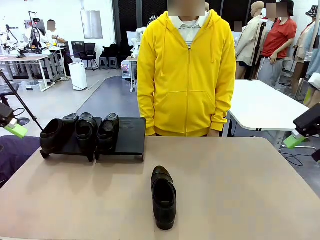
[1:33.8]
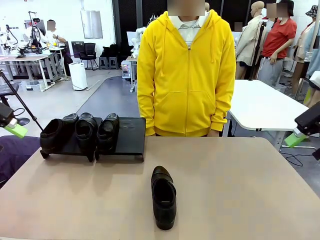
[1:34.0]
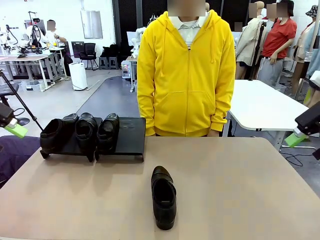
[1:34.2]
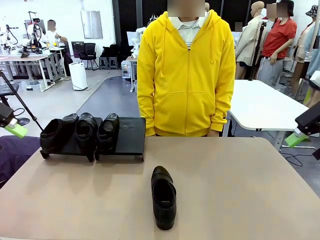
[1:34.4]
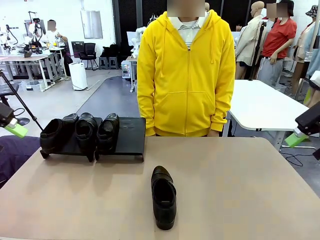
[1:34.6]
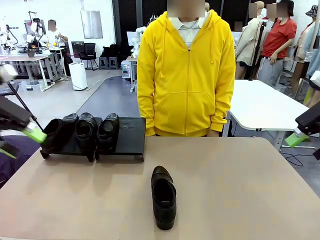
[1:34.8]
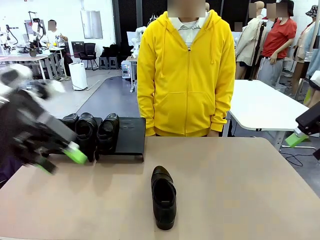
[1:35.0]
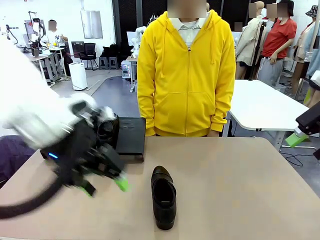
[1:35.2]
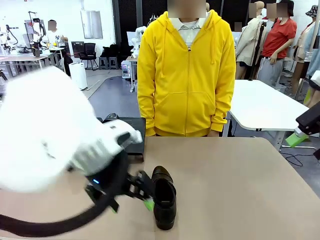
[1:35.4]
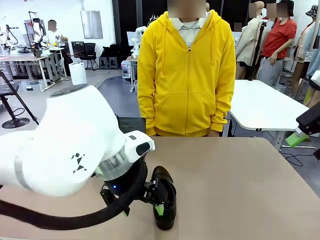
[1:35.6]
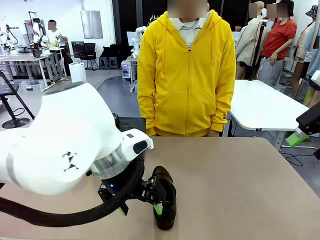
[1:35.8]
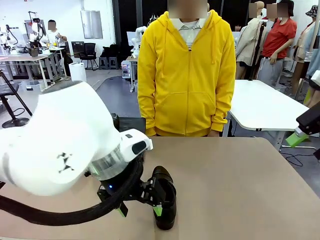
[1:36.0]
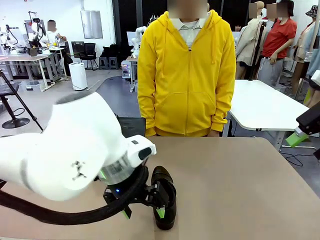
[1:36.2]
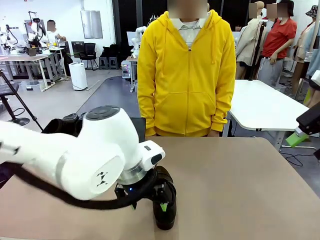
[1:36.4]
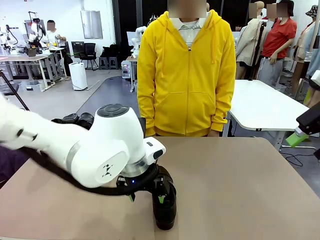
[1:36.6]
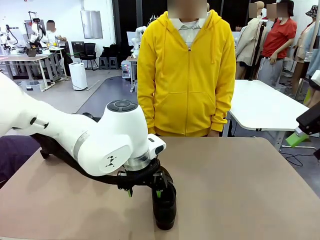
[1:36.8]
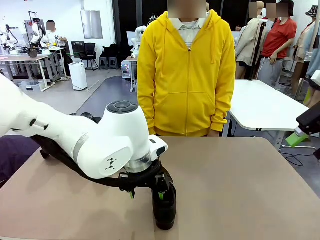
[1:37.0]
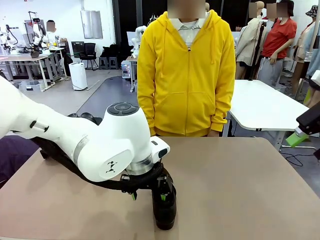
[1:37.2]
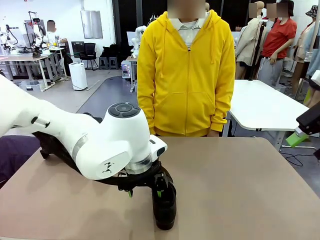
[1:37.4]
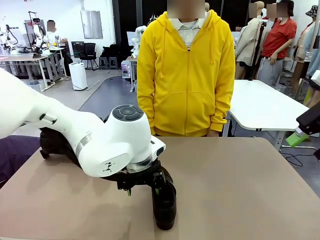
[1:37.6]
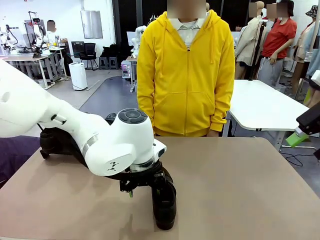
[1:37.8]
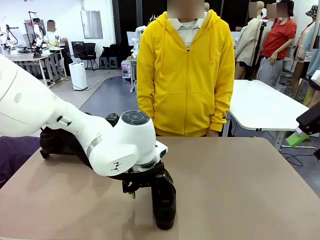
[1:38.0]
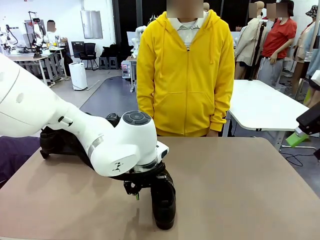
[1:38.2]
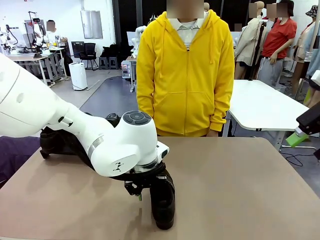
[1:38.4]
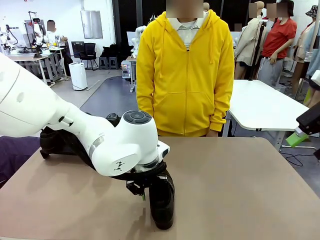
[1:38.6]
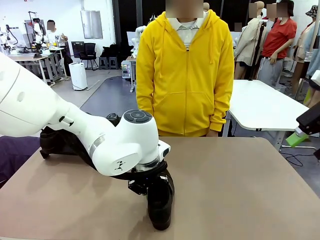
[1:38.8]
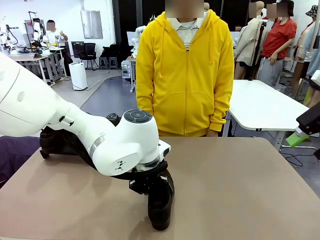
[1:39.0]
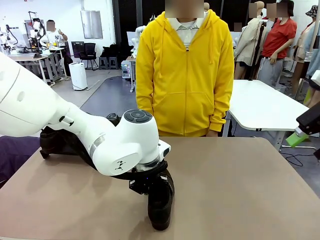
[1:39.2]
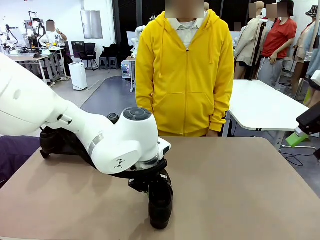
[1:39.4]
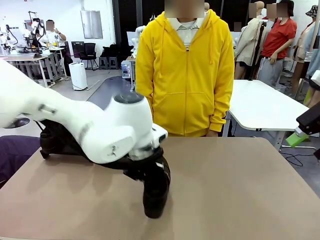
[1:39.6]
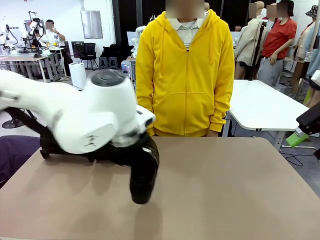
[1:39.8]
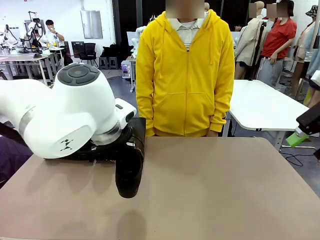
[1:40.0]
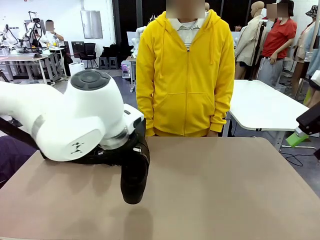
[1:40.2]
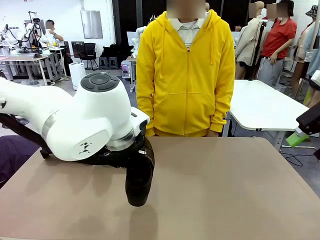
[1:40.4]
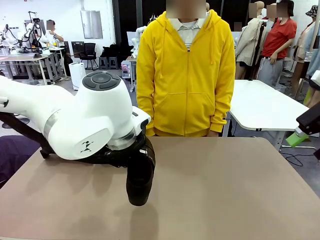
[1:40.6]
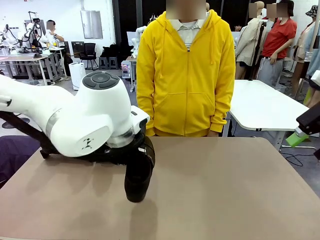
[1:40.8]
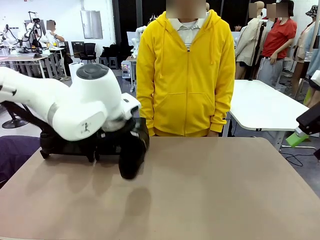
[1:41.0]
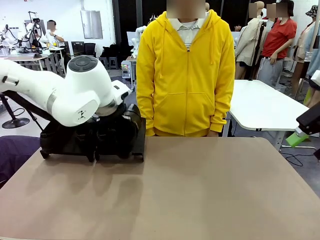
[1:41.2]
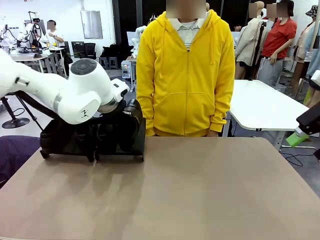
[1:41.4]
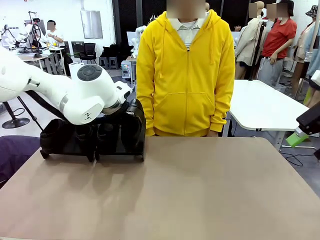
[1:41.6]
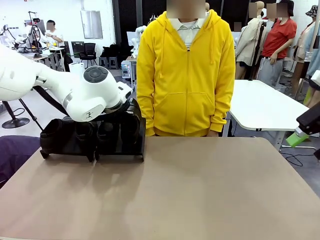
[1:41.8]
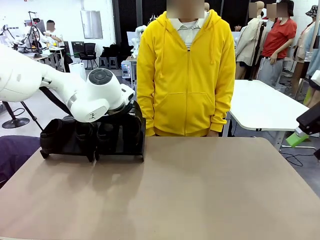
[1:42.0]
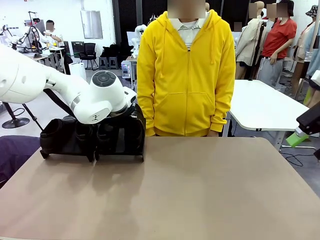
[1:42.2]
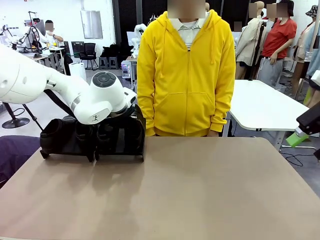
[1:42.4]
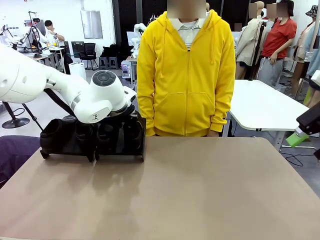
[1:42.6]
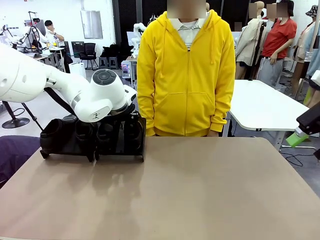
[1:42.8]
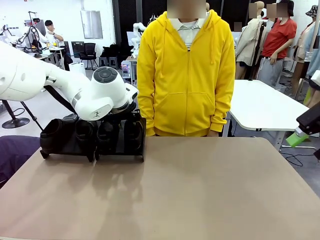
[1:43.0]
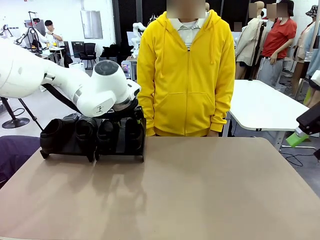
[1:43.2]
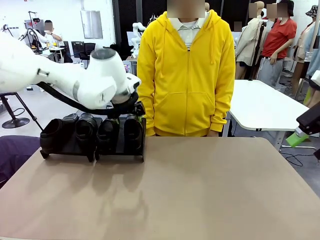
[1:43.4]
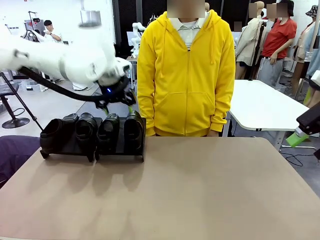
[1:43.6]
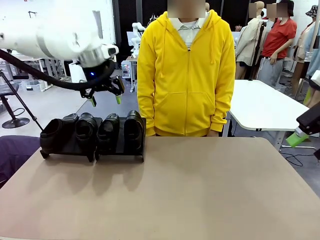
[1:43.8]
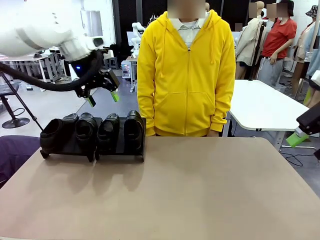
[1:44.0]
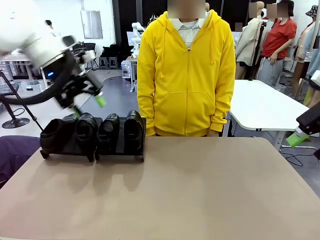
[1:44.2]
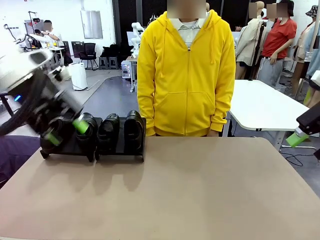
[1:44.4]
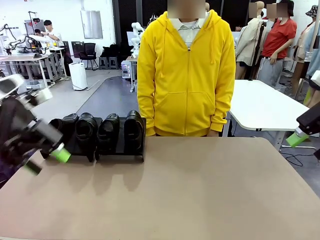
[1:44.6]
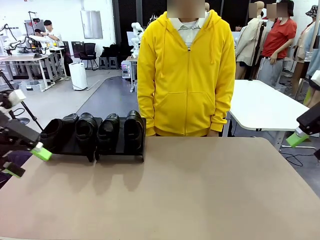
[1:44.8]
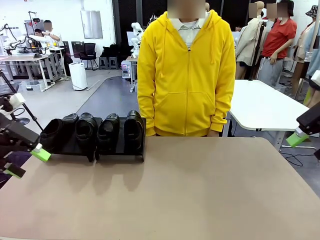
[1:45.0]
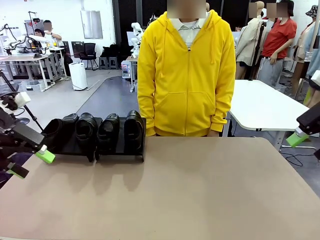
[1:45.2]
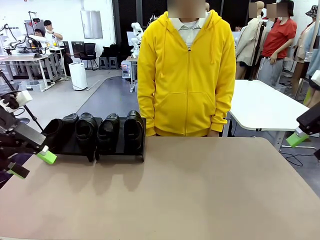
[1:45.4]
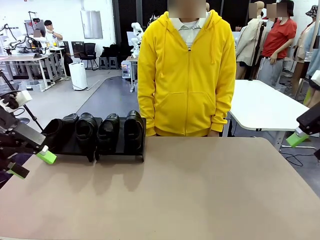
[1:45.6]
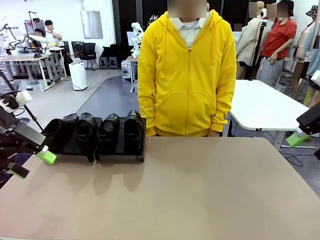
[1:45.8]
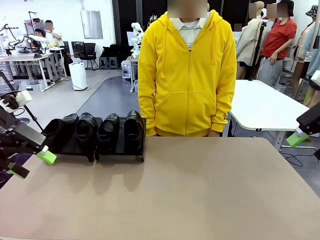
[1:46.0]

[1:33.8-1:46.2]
Task: Organize the shoes by placing them on the stand.
Robot: Place the Shoe from the middle of the table onto the Shoes Stand.

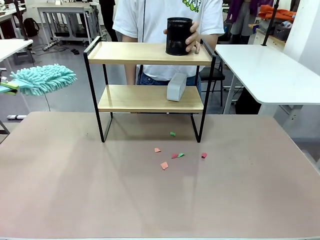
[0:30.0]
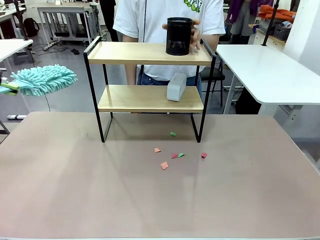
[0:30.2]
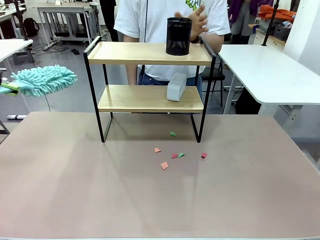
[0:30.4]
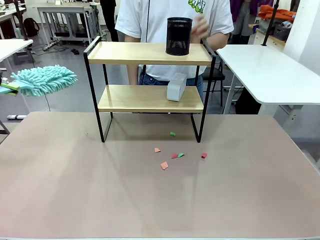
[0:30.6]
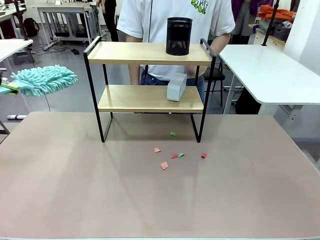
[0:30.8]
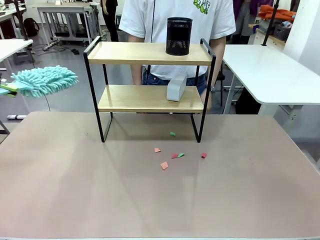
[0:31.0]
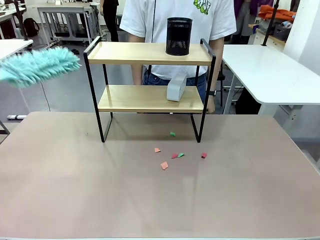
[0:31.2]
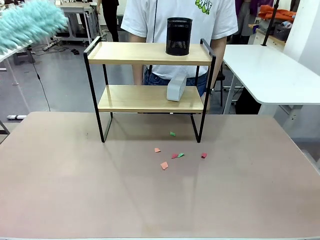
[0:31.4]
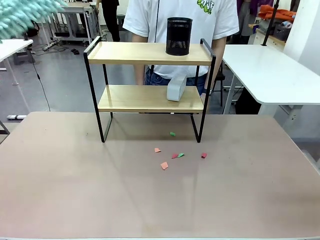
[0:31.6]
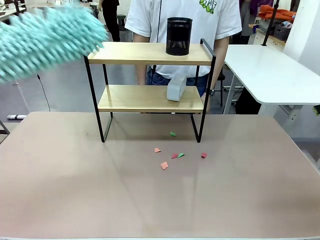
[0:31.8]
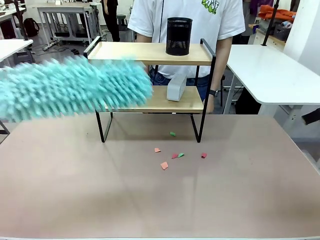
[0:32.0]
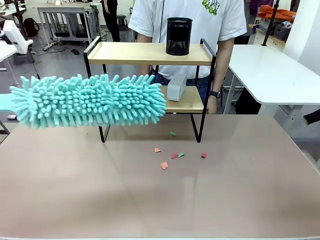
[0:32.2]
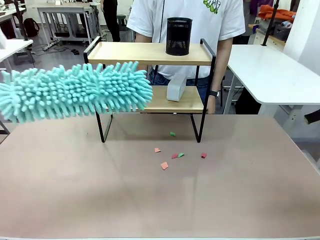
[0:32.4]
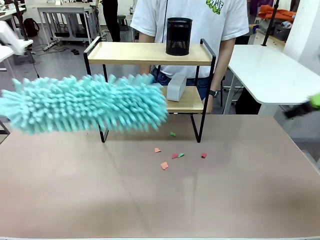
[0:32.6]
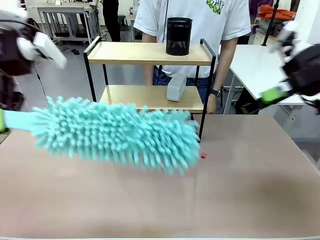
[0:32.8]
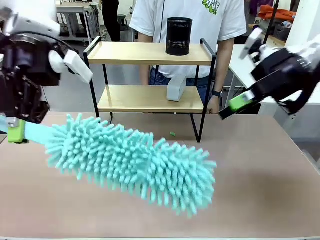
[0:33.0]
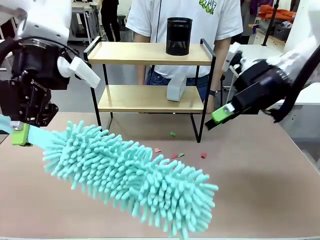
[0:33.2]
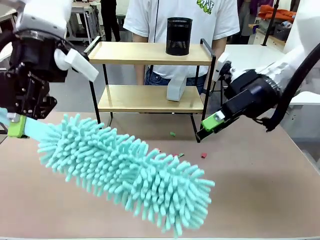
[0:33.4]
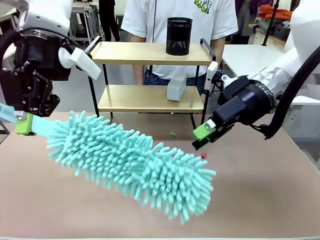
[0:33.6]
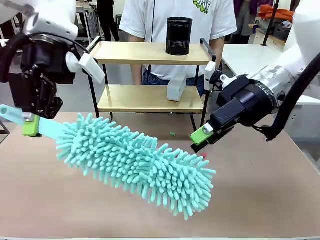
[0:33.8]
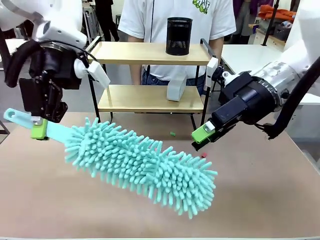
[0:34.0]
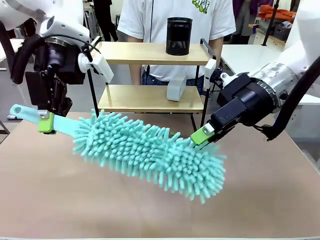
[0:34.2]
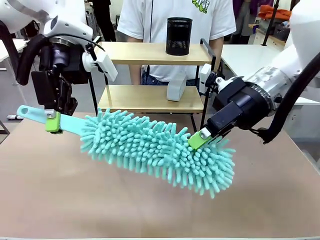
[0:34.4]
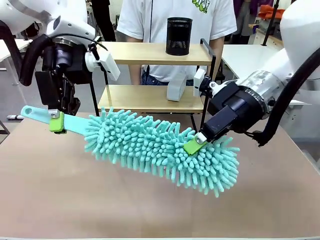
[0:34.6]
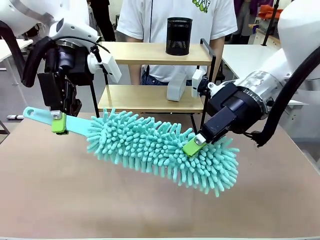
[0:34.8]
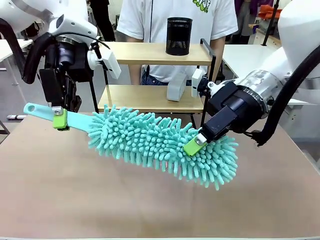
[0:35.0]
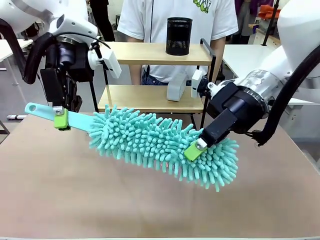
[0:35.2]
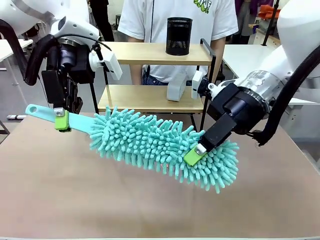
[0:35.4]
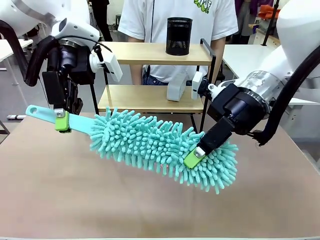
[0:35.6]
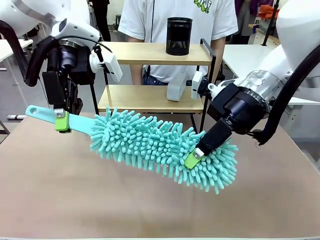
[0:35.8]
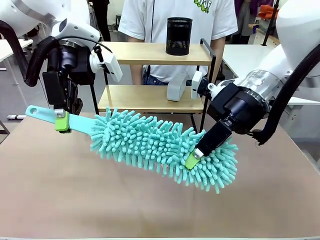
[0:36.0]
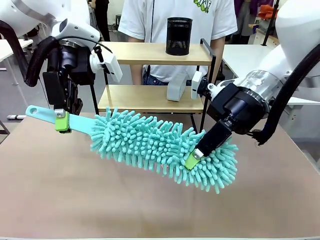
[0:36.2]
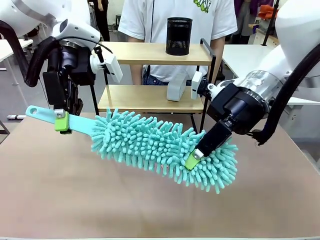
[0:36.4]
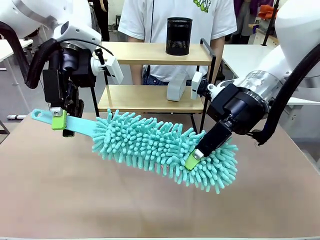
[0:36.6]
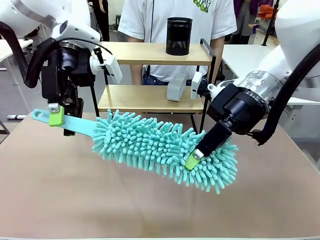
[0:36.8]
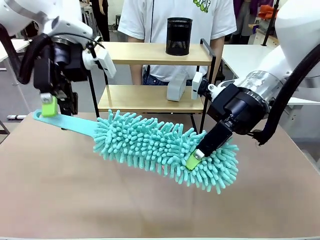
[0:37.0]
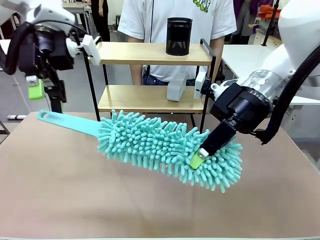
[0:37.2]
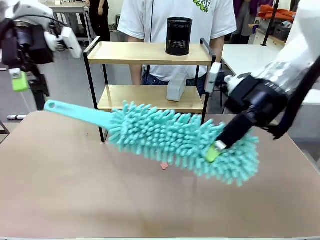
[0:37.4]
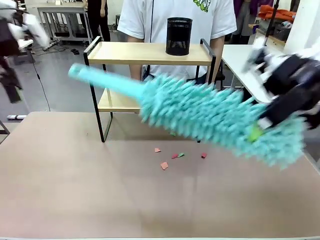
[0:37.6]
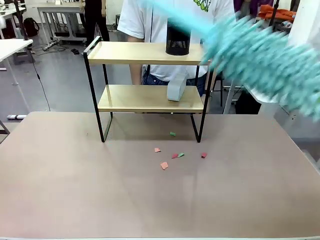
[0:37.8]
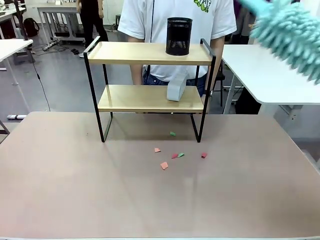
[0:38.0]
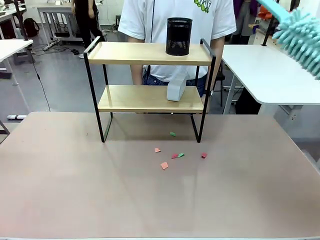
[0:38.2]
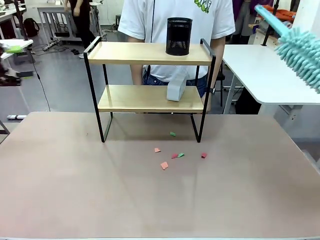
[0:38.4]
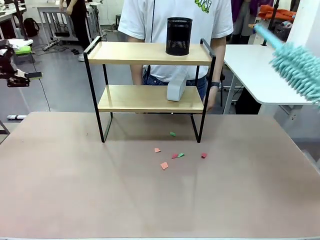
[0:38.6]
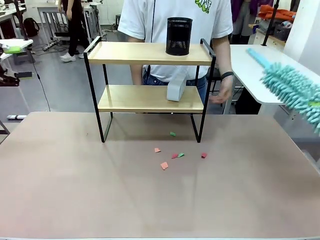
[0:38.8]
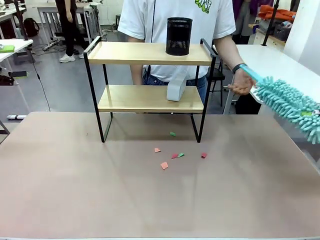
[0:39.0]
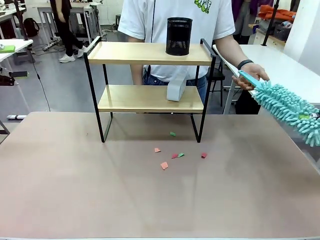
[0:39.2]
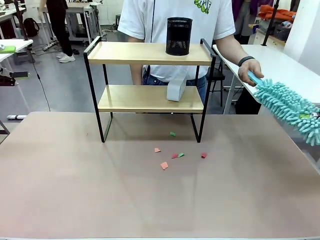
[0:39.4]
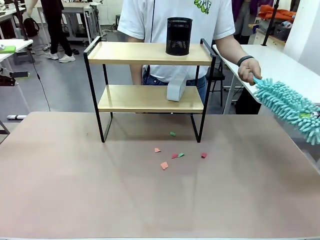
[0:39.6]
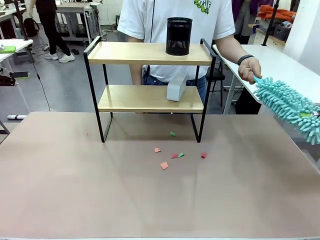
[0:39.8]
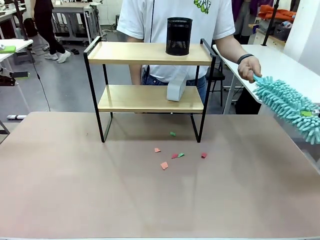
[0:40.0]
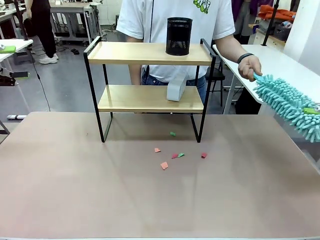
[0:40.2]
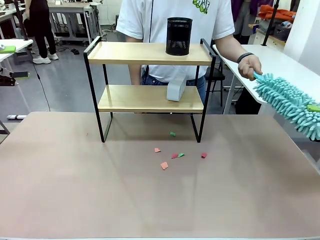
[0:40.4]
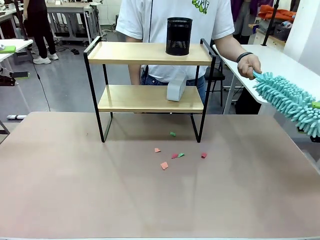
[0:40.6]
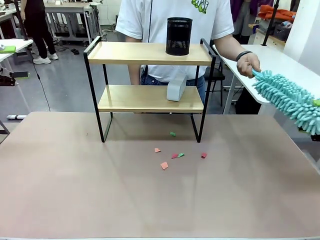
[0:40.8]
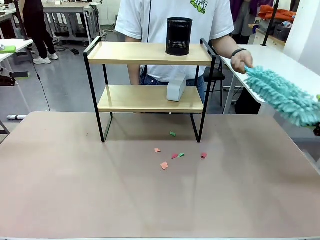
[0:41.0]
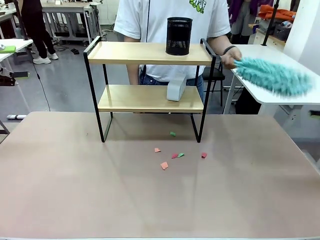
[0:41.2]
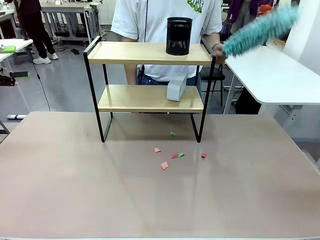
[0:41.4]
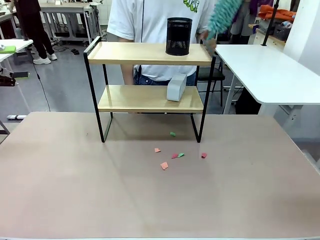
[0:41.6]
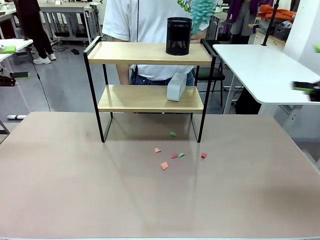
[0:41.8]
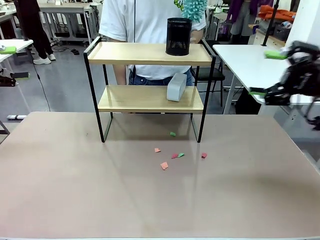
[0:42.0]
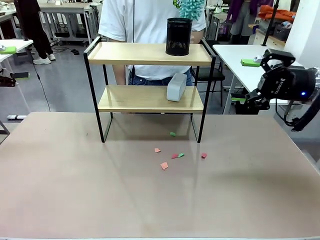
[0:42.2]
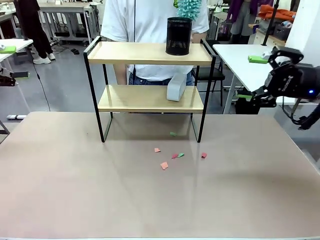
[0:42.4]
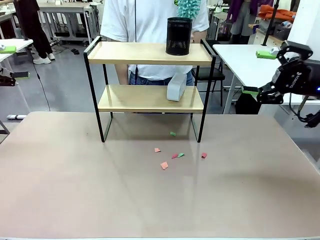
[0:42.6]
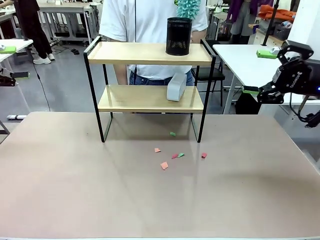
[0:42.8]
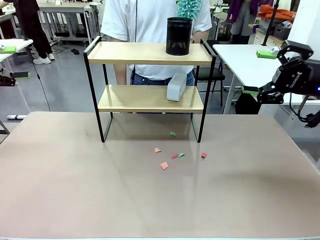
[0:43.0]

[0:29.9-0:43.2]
Task: Clean the shelf.
Robot: Hand the Duster back to the human.
Person: Receive the Duster from the robot.
